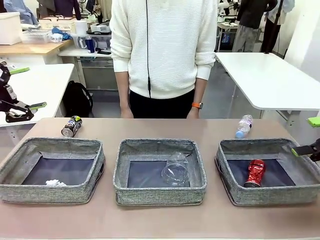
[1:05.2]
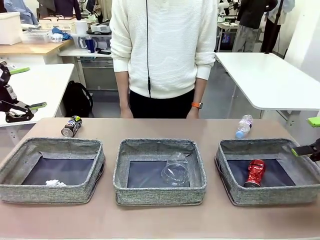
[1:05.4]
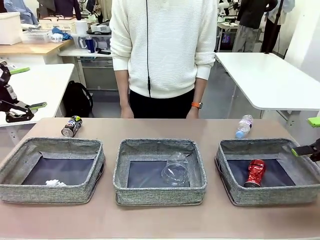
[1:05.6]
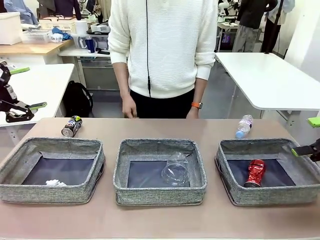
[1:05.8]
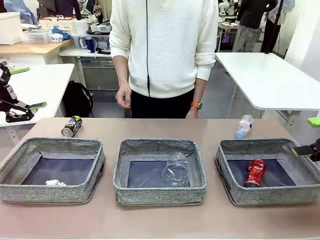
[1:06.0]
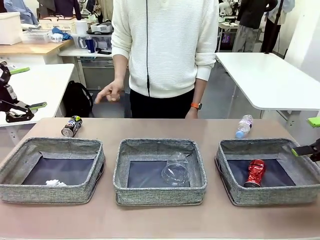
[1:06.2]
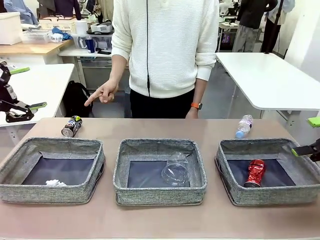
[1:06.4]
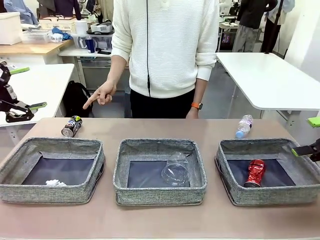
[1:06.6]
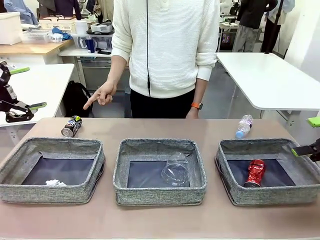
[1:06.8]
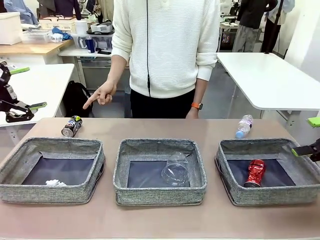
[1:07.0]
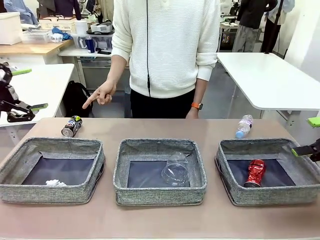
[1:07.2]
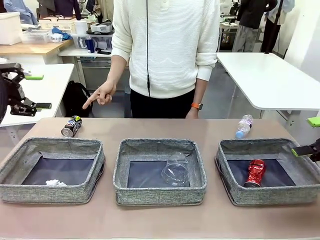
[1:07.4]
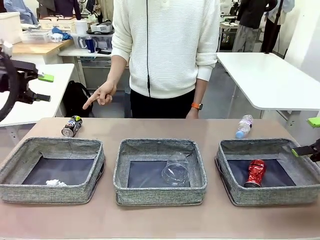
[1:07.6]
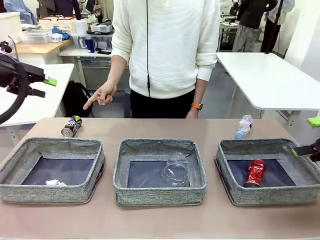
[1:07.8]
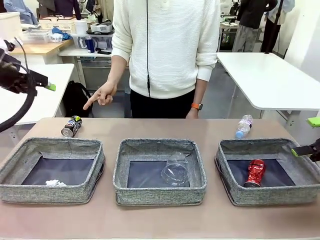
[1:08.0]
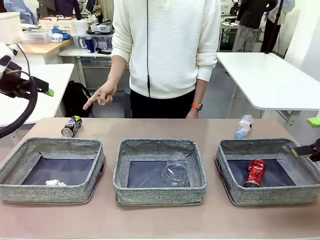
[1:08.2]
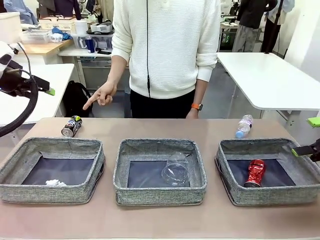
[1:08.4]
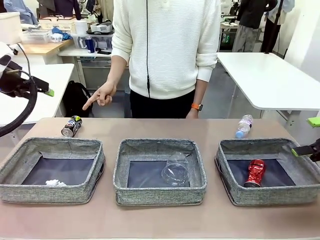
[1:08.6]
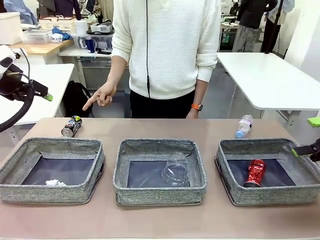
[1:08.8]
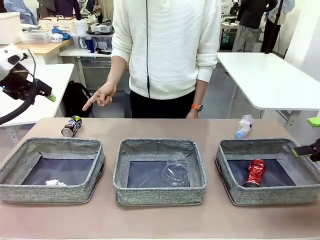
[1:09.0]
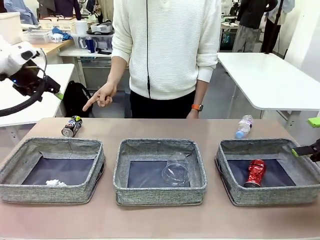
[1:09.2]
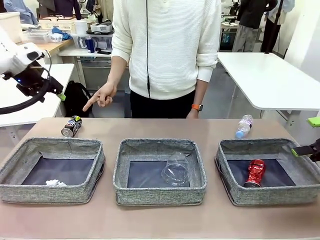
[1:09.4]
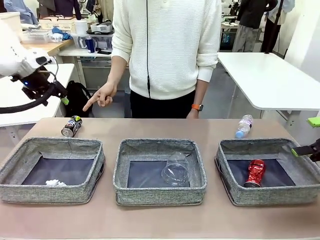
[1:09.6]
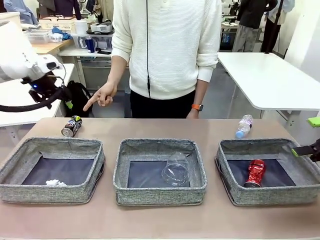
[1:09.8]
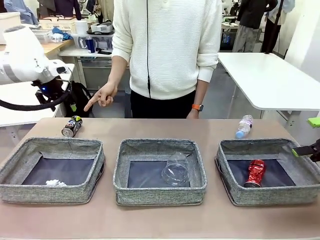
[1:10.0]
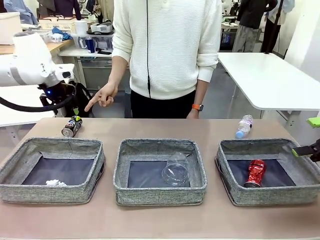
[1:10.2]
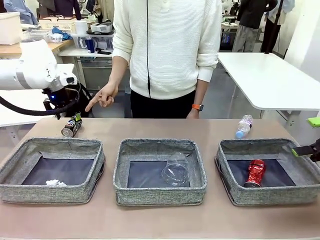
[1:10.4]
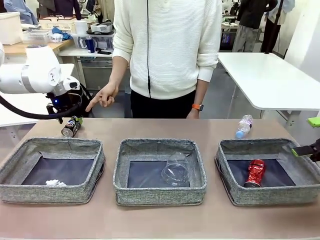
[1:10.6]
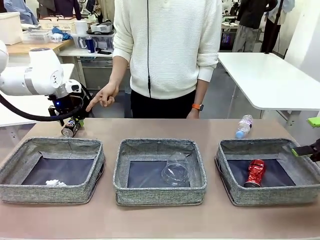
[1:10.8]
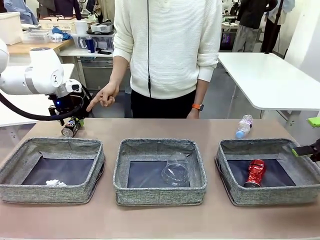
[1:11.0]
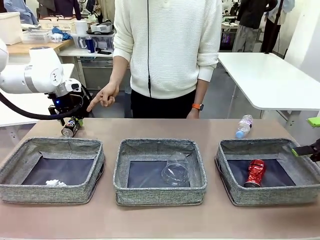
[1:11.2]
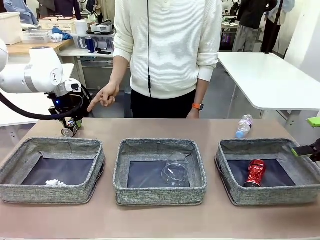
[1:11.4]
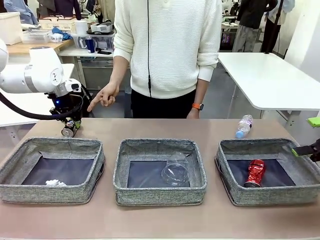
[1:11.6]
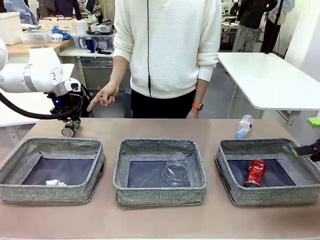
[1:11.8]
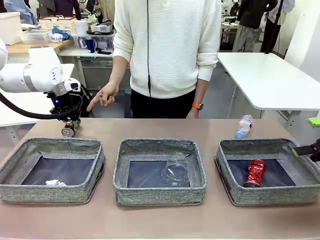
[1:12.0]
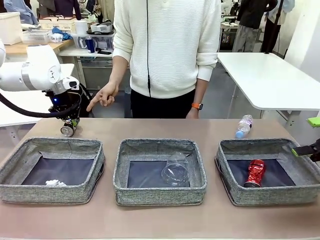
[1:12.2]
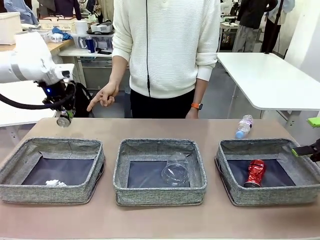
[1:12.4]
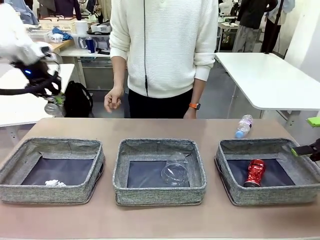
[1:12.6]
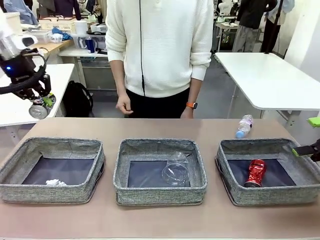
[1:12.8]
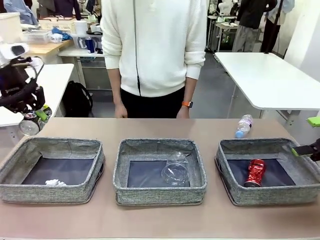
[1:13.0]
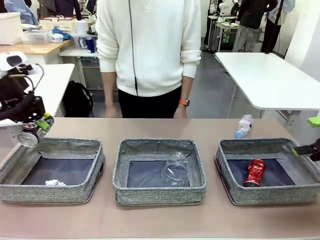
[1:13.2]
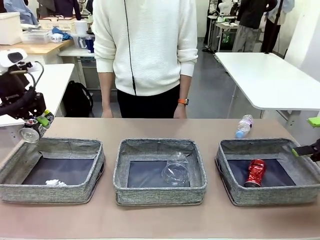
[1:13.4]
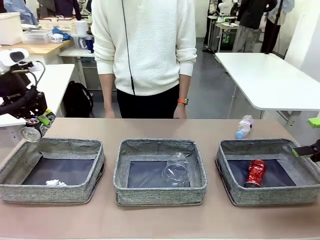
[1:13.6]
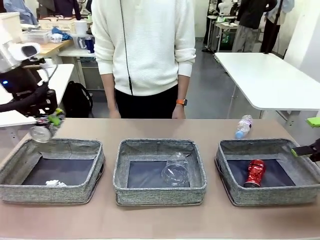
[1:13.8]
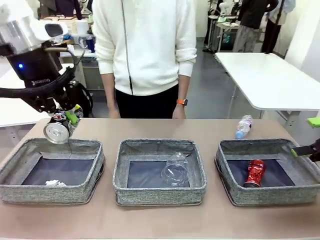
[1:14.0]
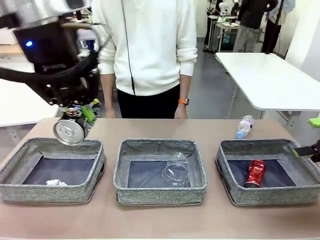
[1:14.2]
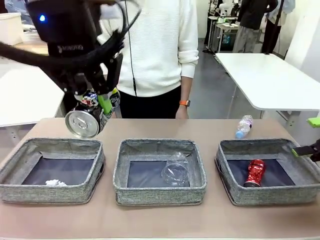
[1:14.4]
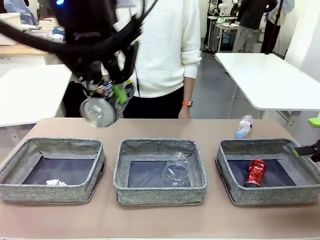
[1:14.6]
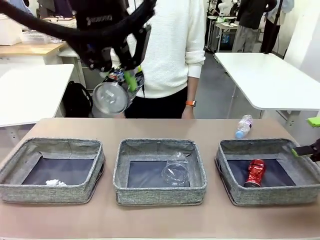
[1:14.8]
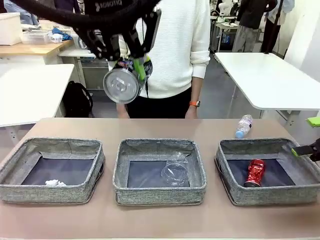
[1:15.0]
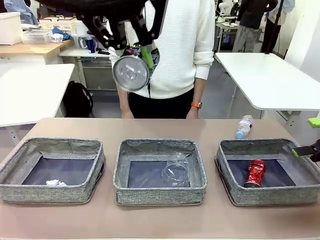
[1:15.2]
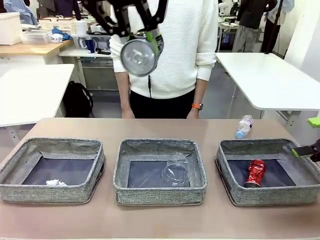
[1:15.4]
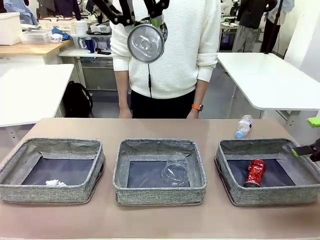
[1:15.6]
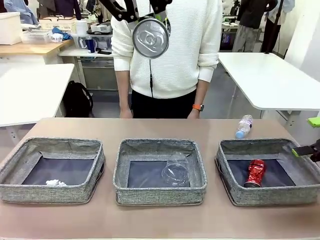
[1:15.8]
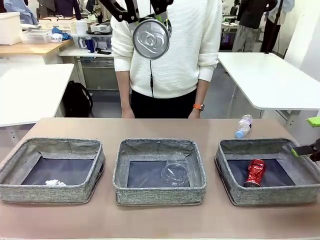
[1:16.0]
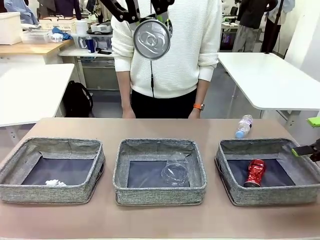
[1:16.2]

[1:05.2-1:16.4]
Task: Sort the waste into the appropriate baskets.
Robot: Pick up the waste item pointed out by the person.
Person: Points to one piece of trash on the table.

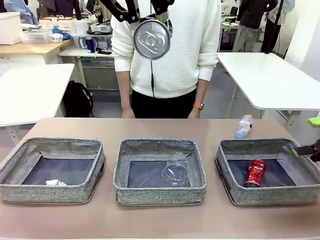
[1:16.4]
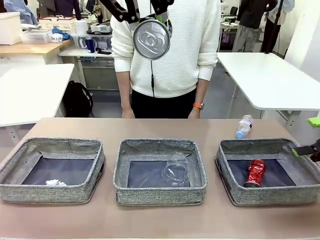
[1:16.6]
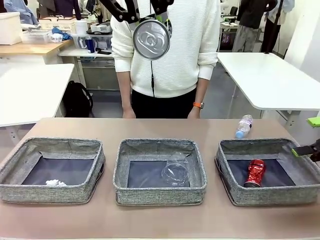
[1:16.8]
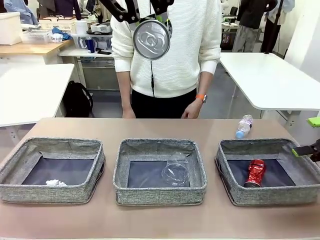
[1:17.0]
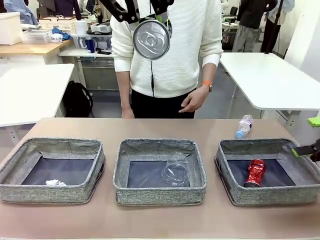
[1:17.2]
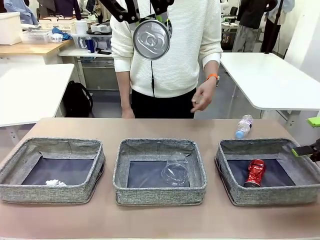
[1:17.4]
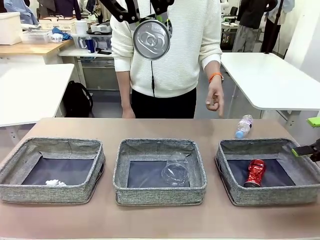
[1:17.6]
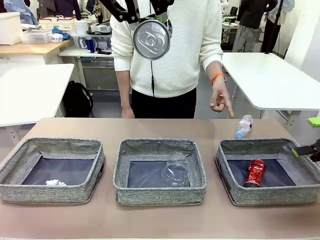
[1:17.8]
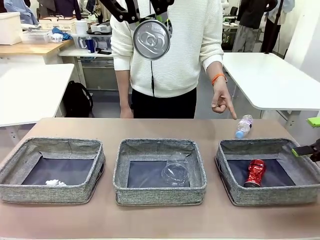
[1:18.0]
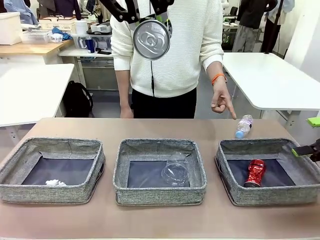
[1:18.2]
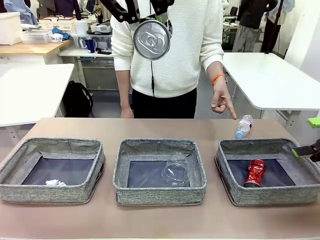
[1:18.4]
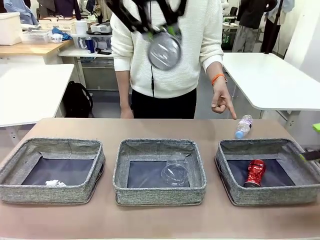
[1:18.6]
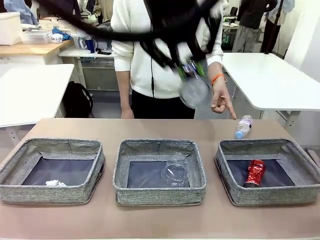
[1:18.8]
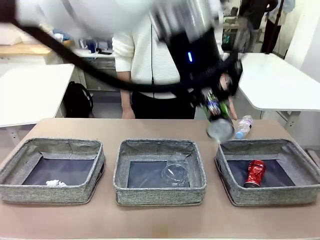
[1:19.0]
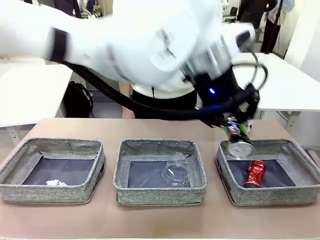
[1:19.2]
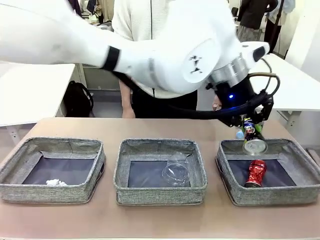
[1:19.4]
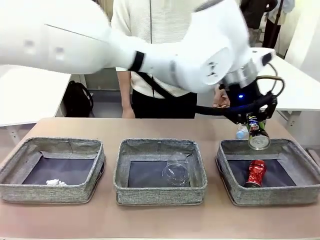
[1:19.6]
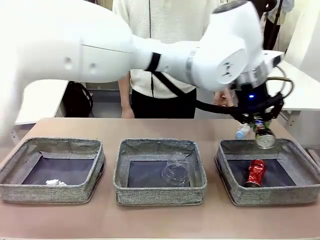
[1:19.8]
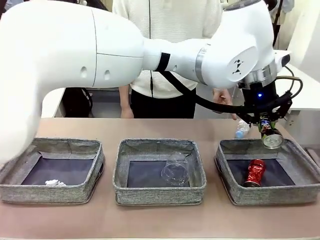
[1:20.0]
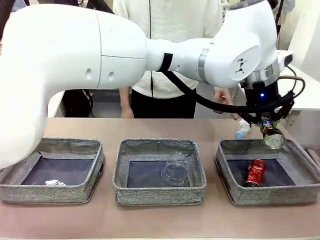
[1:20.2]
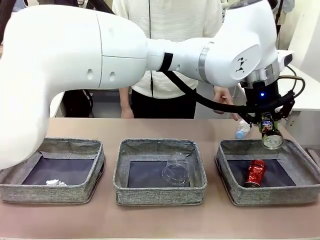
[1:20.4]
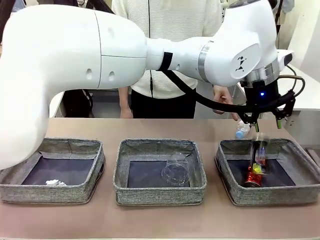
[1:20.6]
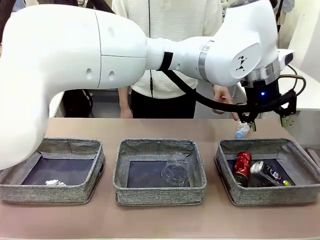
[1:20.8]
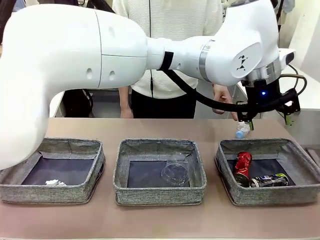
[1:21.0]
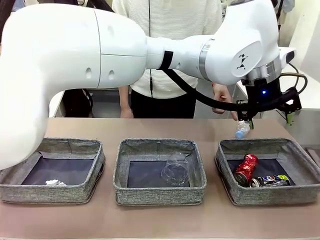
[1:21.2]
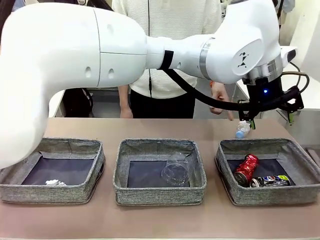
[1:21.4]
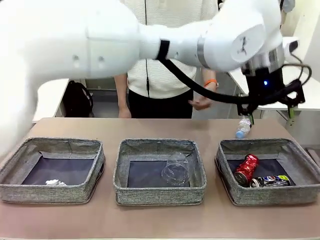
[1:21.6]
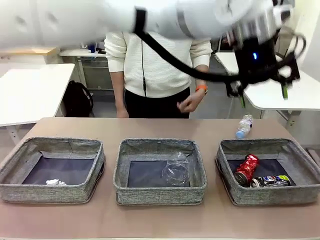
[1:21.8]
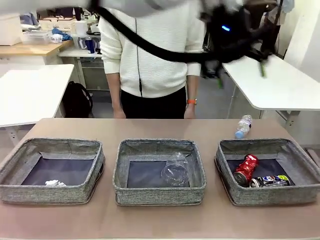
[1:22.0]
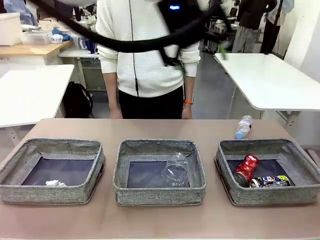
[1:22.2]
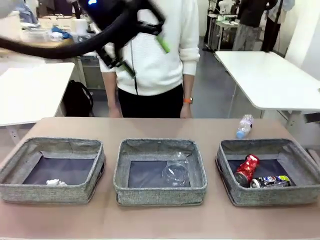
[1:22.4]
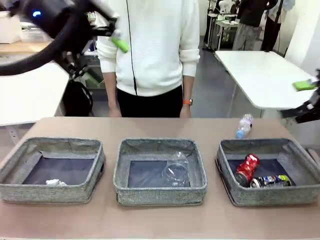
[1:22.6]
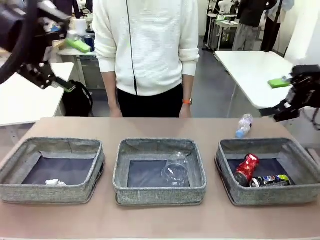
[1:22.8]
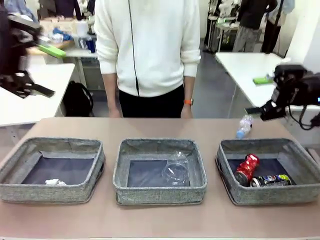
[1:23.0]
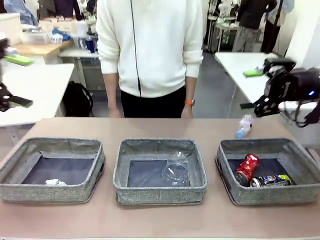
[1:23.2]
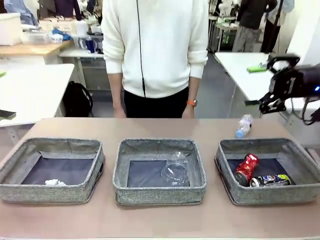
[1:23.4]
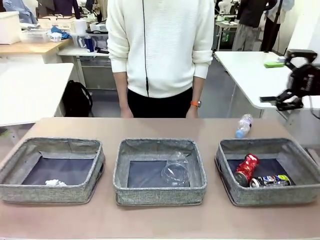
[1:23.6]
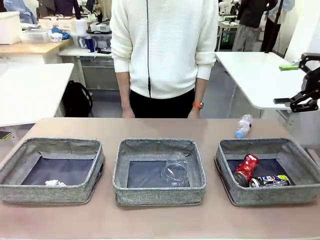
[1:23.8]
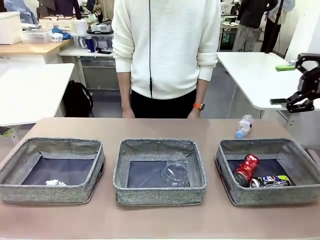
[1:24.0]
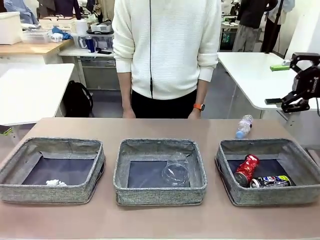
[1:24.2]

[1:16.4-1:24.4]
Robot: Place the picked waste into the Fabric basket indicated by the person.
Person: Instructs the robot to place the picked-up trash into the appropriate organizing basket.

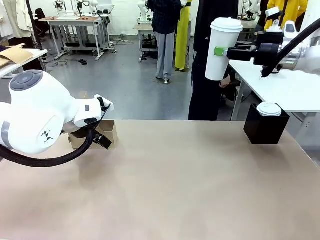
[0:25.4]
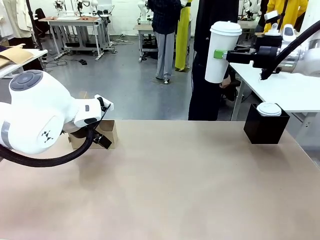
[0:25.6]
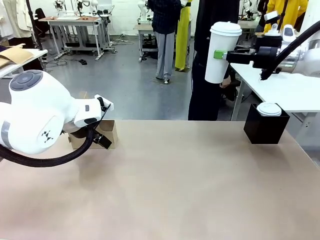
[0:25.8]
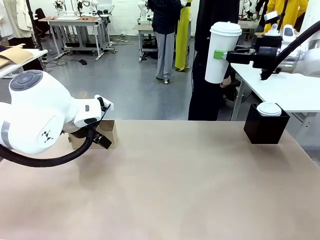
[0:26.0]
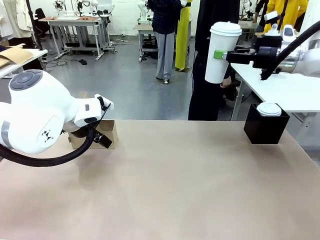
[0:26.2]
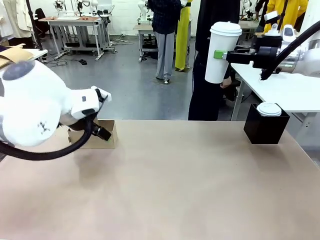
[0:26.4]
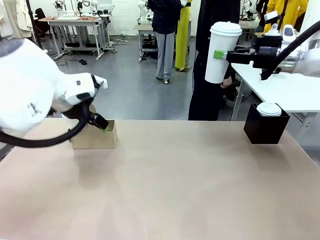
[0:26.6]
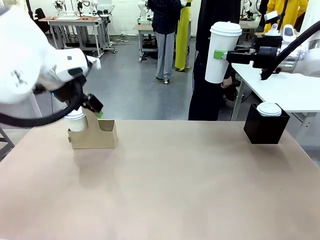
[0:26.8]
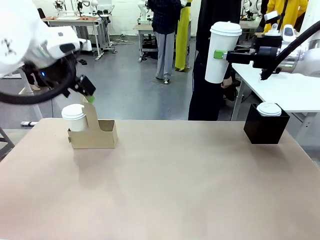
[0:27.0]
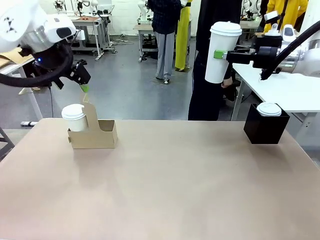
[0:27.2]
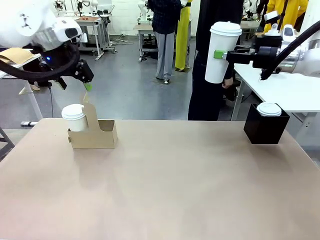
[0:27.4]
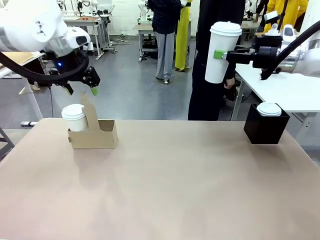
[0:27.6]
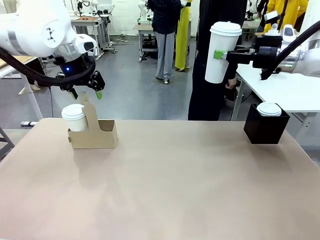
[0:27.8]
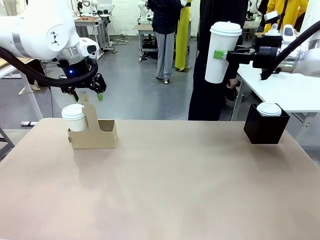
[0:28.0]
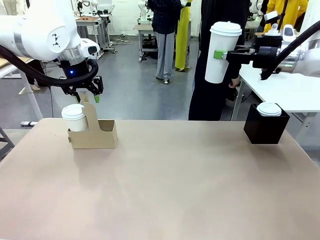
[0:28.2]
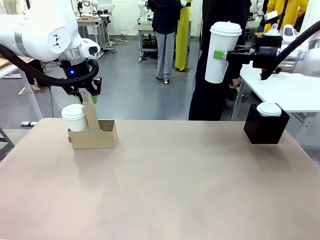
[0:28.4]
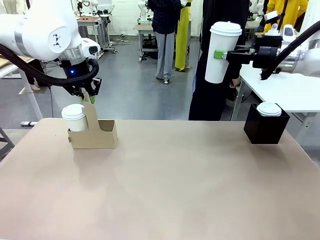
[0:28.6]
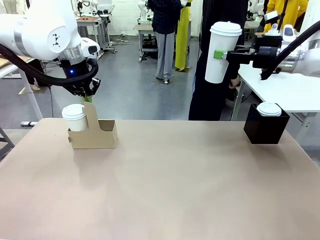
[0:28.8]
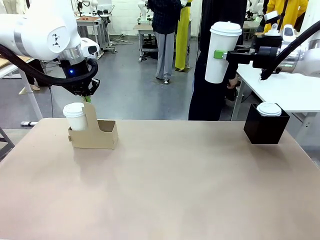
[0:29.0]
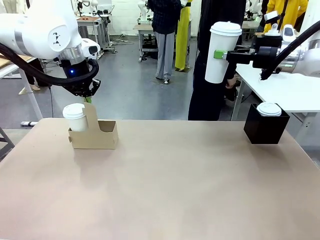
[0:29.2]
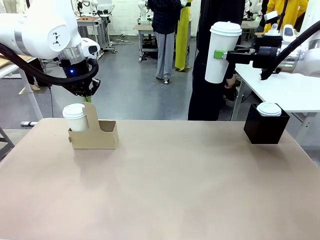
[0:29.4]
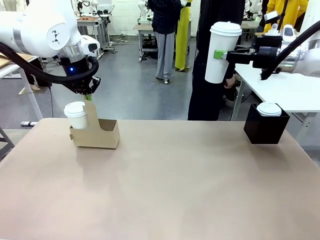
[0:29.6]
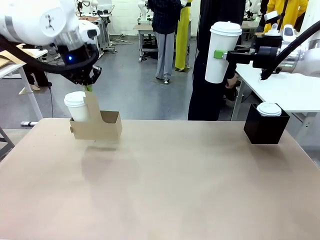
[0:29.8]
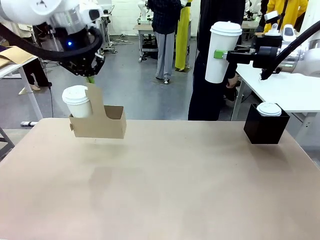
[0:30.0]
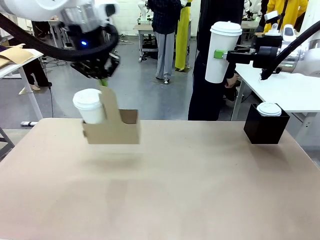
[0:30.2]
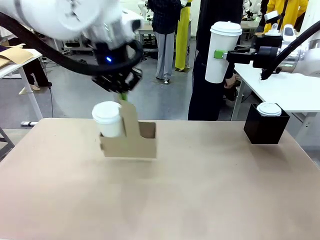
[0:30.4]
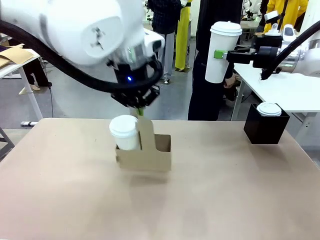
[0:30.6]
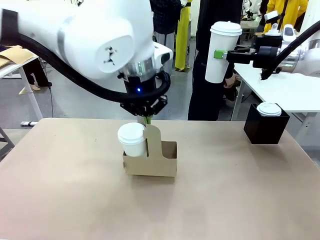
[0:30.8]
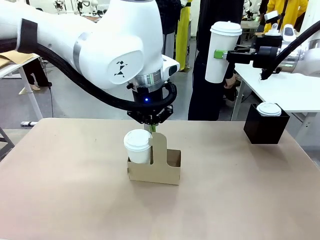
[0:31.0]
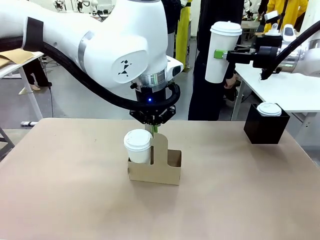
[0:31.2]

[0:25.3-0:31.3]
Task: Pour a drink into a cup and package it in a carrier.
Robot: Position the Cup Carrier in the center of the table.
